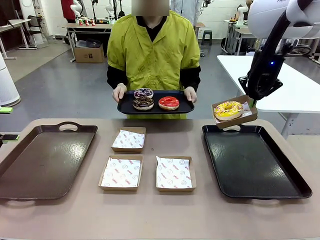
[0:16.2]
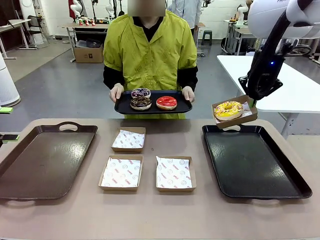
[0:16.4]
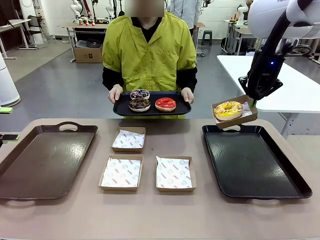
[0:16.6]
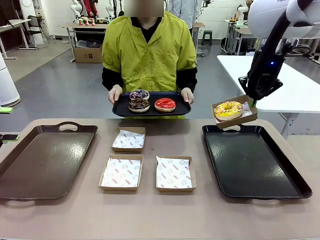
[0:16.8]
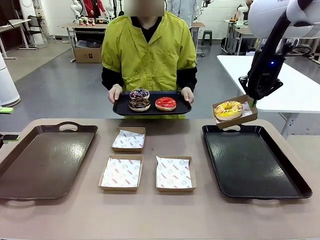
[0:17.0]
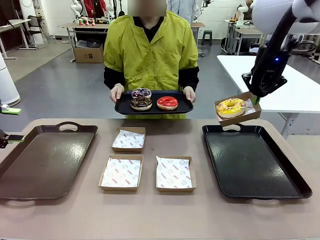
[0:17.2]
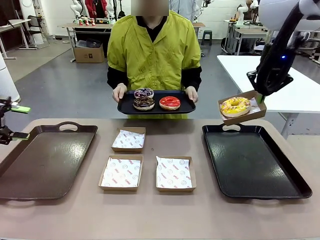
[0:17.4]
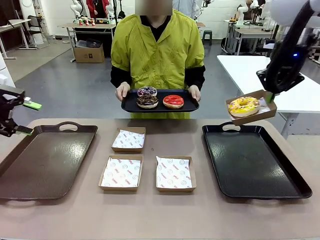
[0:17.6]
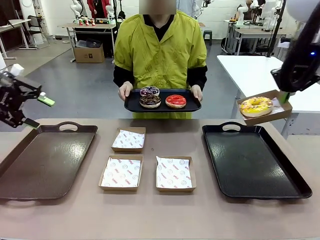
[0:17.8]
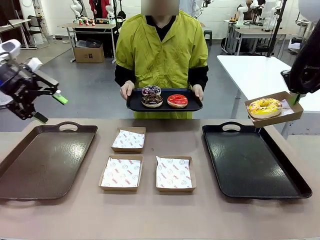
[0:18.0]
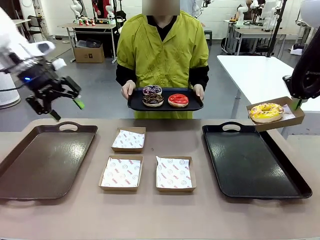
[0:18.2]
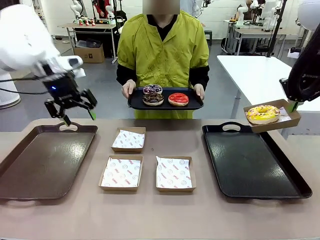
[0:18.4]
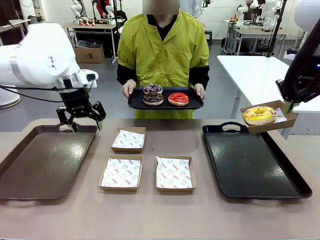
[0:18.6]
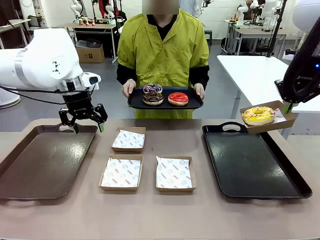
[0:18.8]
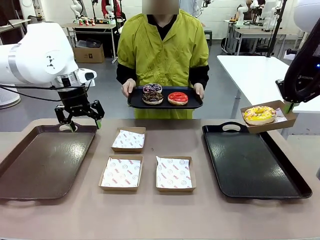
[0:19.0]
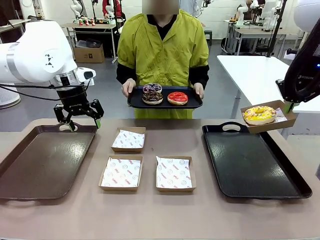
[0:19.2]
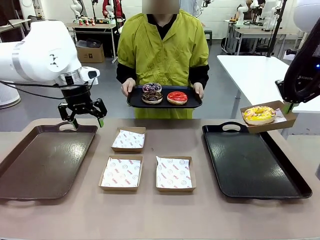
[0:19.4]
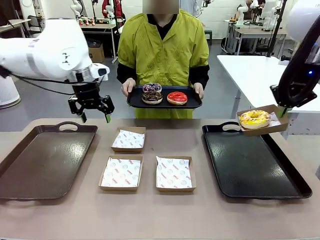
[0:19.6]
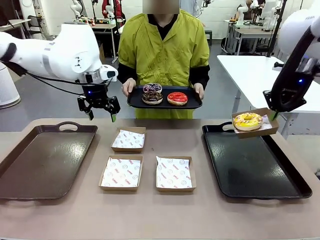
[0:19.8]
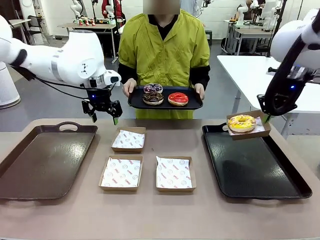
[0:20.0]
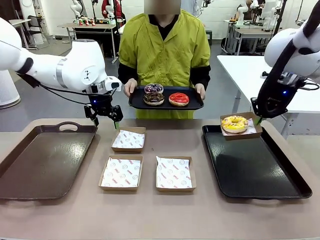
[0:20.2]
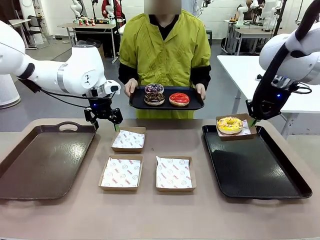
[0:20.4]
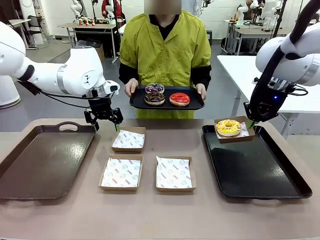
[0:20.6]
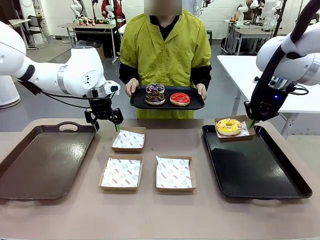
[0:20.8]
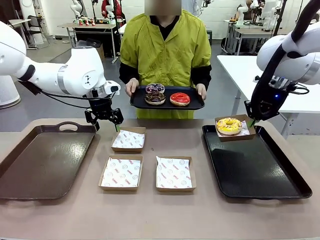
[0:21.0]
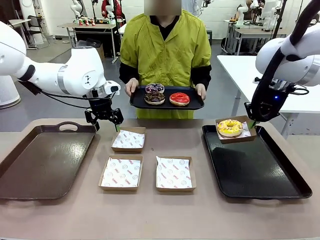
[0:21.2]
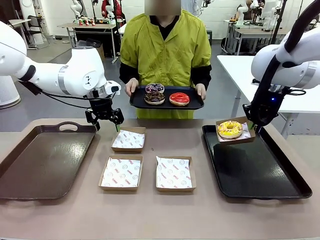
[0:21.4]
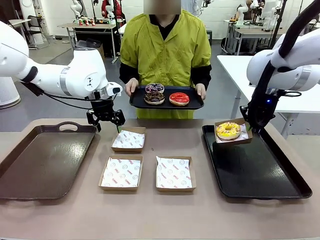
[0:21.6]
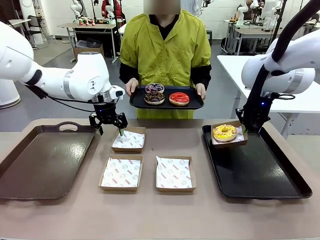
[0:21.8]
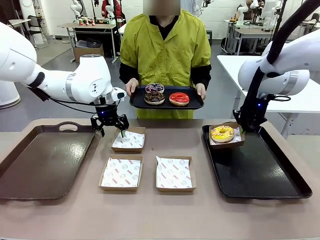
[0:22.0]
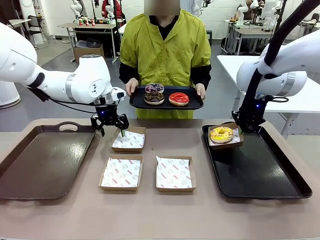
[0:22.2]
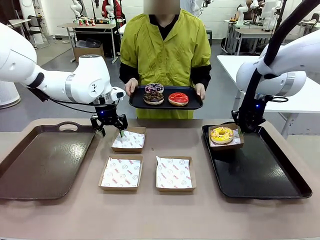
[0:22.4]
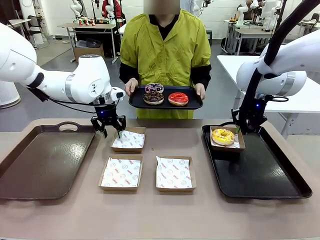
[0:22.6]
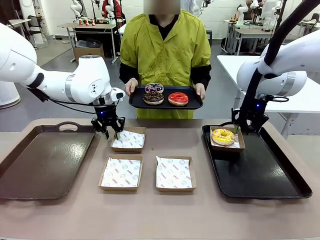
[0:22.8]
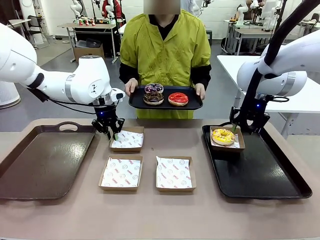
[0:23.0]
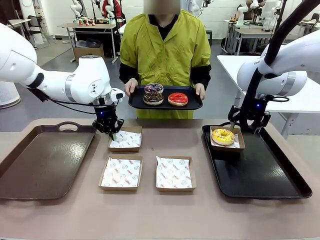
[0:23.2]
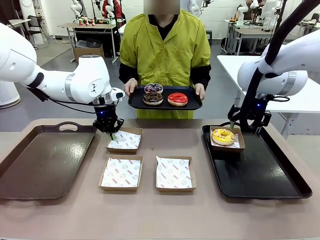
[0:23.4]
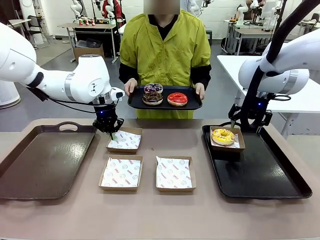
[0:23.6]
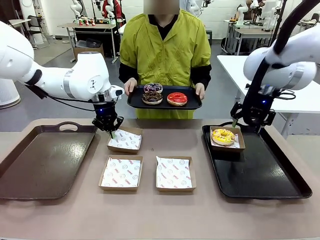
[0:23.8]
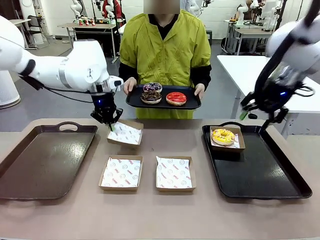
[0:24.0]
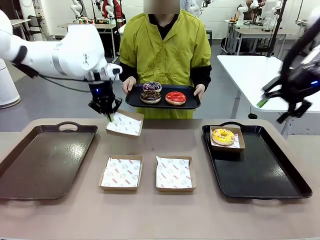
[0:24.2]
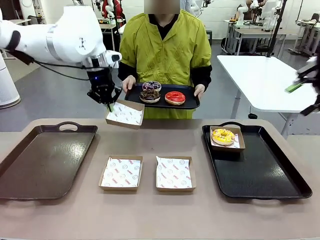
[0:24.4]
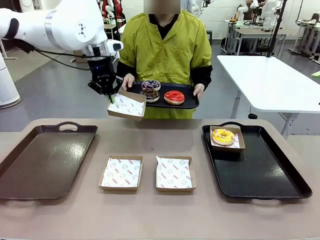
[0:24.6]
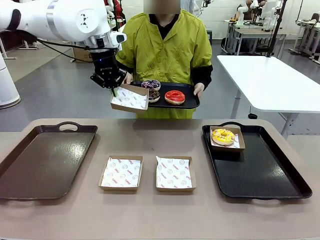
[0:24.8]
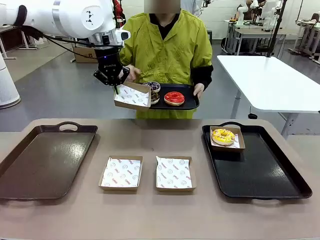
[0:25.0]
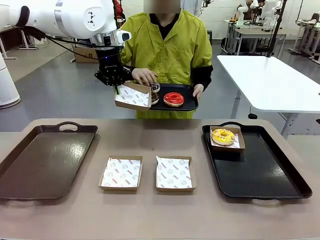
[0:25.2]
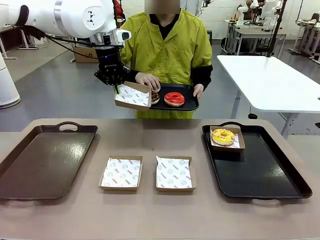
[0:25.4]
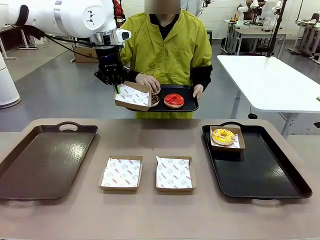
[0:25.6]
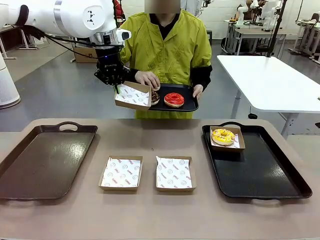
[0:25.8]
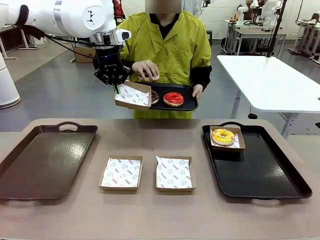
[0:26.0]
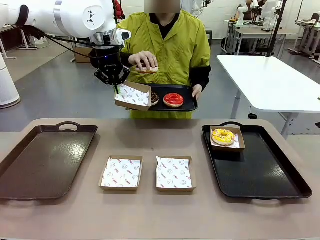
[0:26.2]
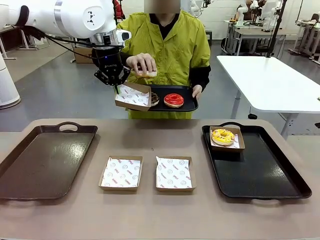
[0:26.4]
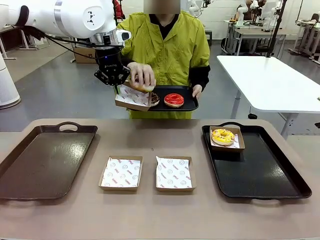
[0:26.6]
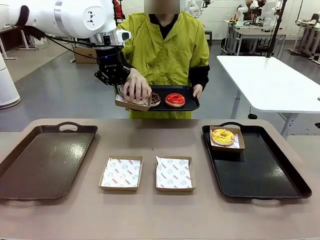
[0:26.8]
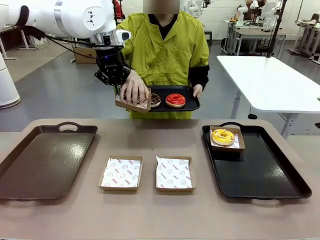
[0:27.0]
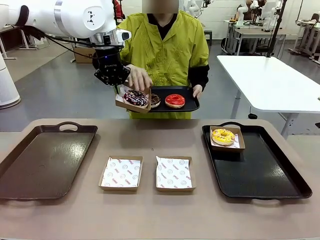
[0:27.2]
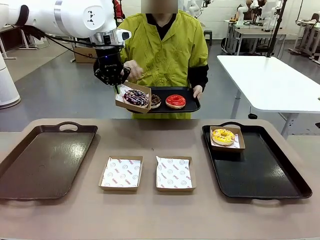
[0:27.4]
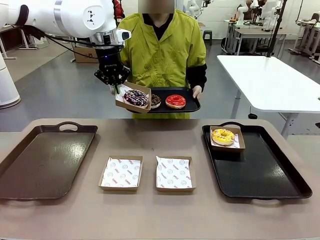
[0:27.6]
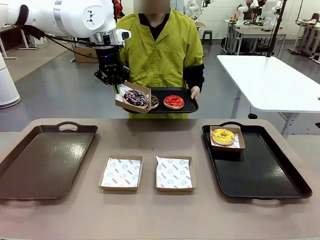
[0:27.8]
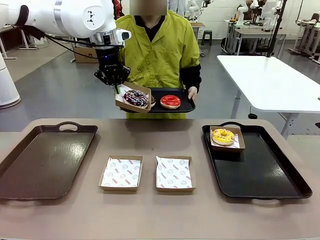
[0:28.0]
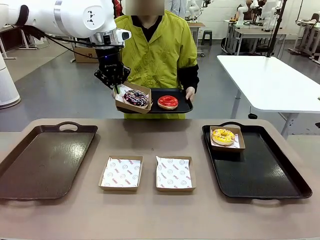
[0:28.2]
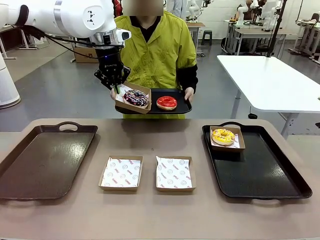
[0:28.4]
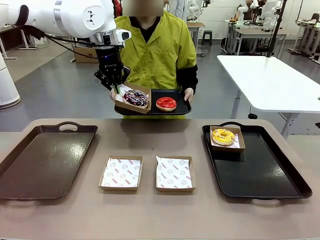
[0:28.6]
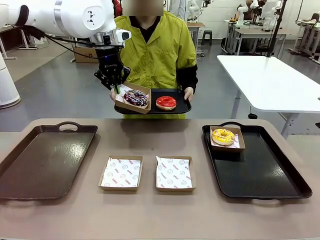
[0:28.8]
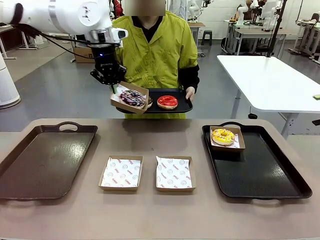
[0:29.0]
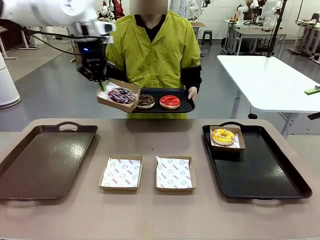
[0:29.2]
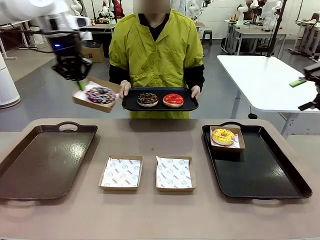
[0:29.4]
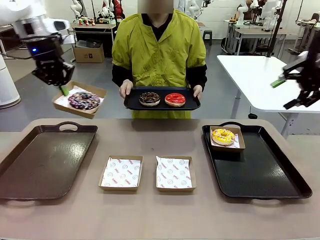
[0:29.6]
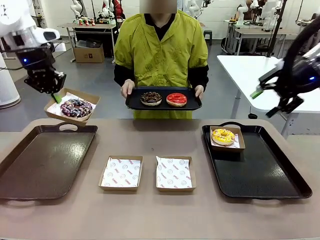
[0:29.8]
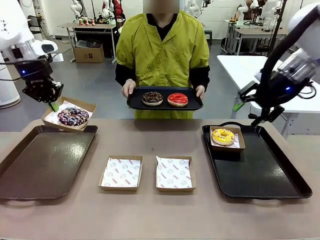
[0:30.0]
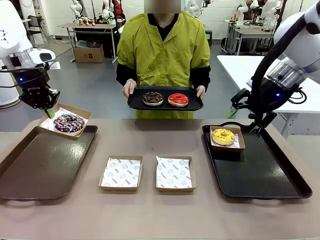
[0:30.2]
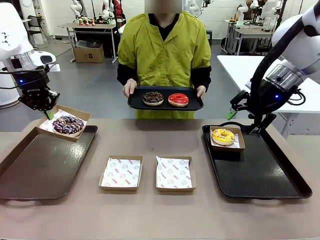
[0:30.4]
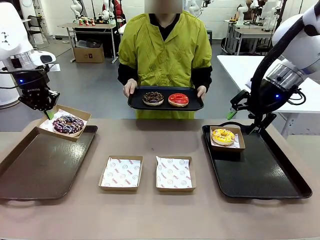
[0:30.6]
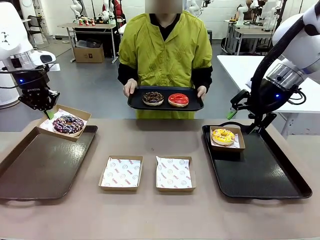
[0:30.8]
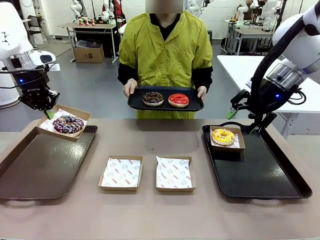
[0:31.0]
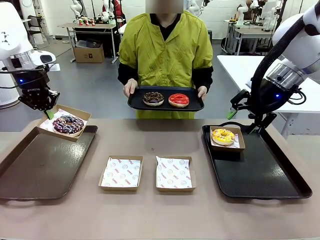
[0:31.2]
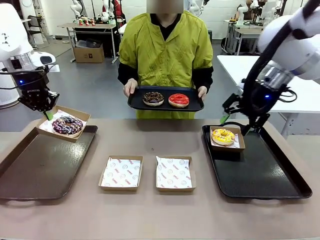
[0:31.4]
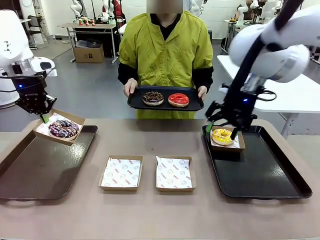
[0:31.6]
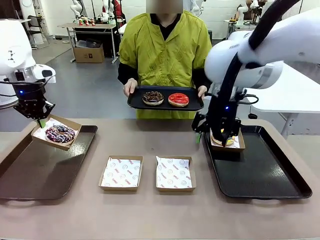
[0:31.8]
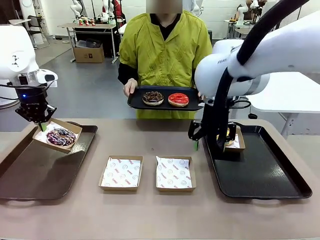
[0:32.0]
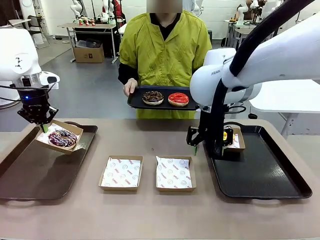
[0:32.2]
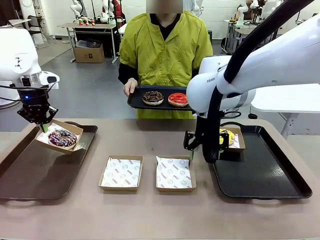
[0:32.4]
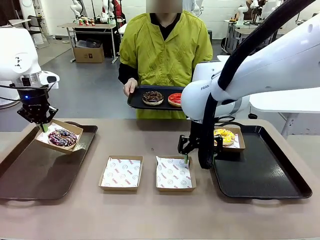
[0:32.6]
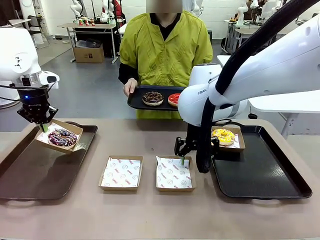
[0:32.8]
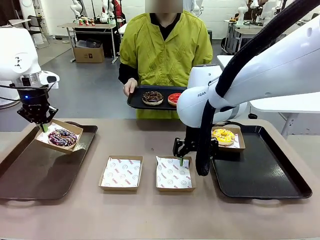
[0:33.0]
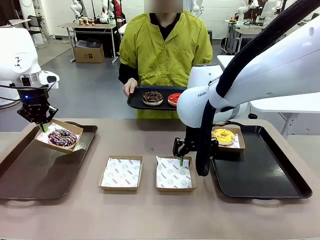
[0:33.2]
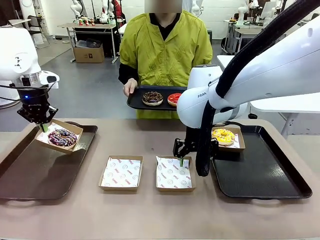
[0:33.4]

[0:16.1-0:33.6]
Task: Individually package the donuts and arrange them on the tray.
Robot: Place the picked Paper togo box on the Handle tray while simultaneously picking up another Paper togo box from the table with the other hand.
